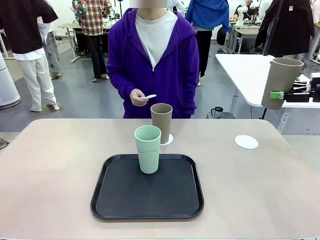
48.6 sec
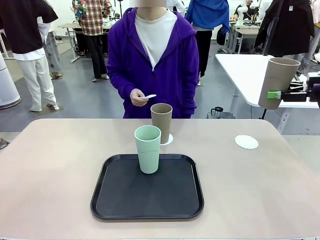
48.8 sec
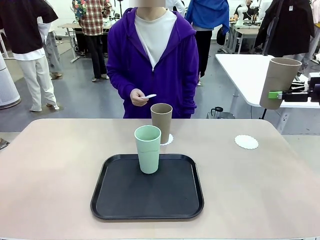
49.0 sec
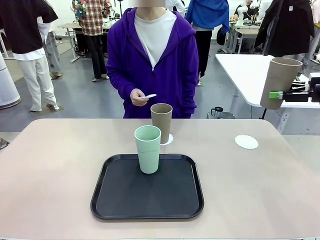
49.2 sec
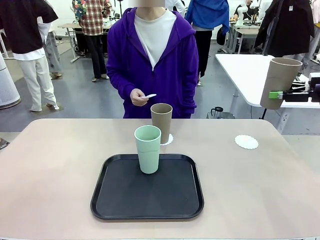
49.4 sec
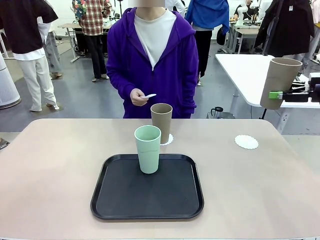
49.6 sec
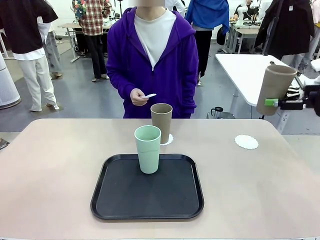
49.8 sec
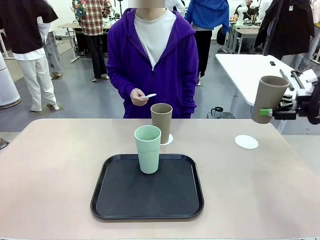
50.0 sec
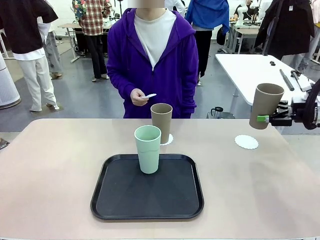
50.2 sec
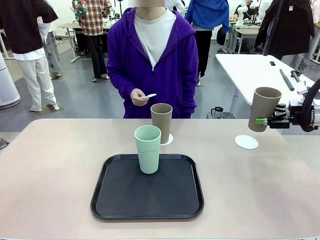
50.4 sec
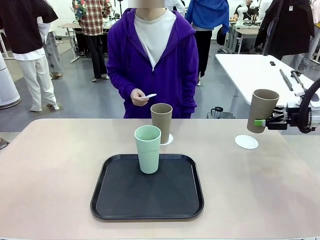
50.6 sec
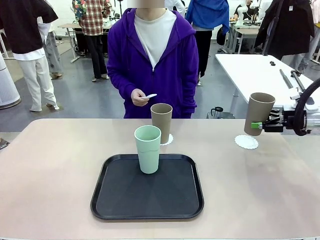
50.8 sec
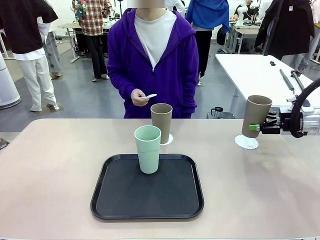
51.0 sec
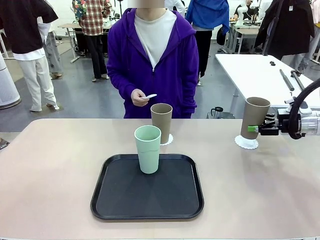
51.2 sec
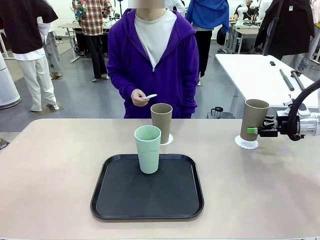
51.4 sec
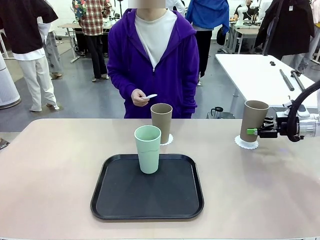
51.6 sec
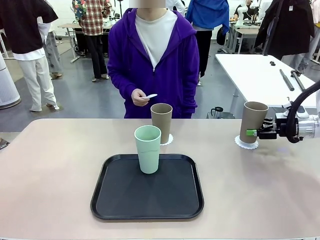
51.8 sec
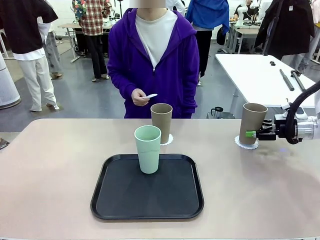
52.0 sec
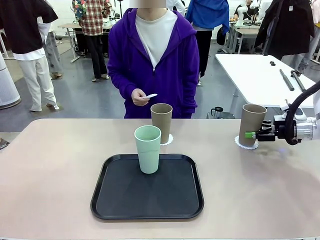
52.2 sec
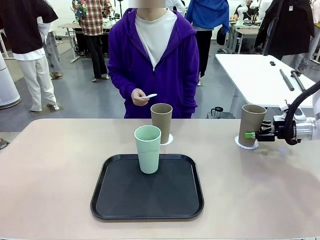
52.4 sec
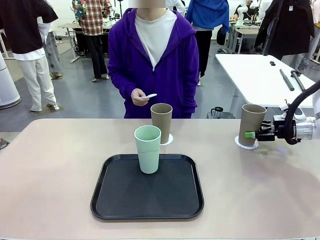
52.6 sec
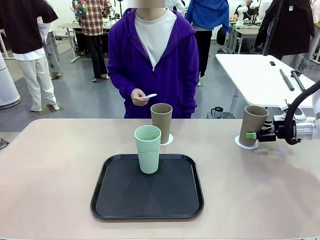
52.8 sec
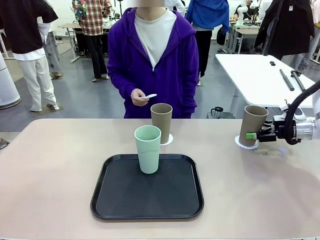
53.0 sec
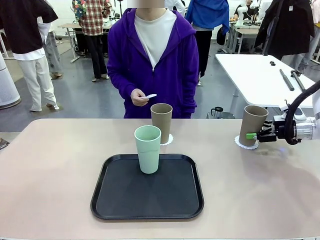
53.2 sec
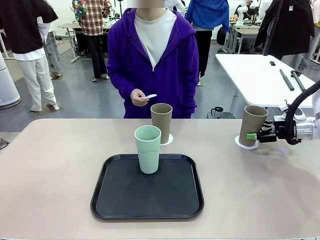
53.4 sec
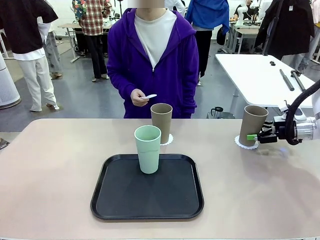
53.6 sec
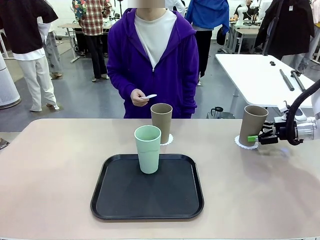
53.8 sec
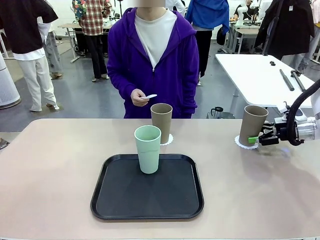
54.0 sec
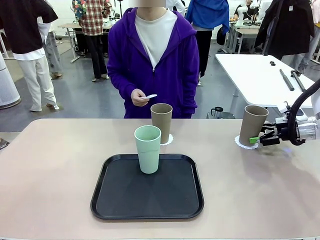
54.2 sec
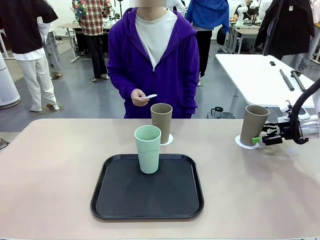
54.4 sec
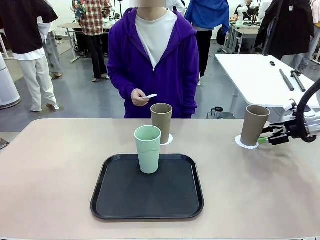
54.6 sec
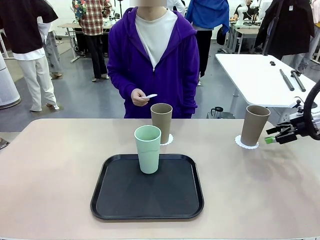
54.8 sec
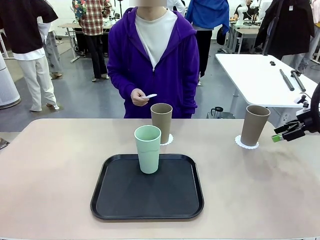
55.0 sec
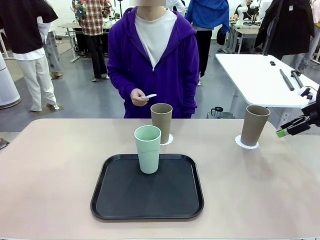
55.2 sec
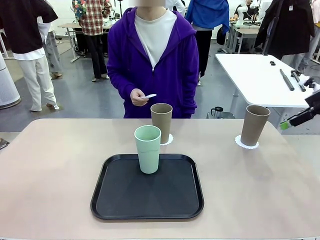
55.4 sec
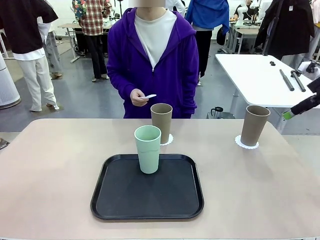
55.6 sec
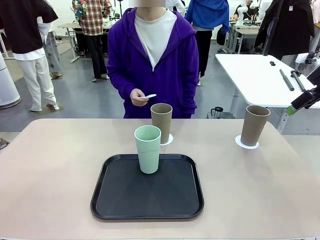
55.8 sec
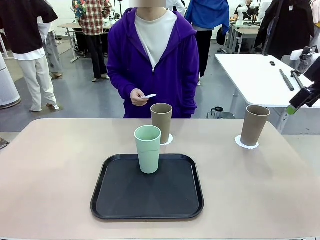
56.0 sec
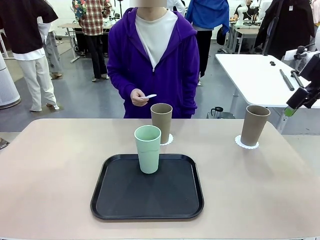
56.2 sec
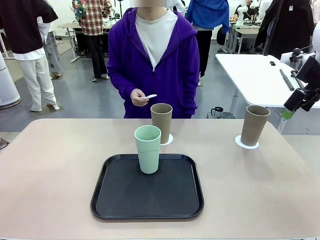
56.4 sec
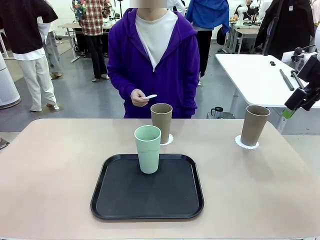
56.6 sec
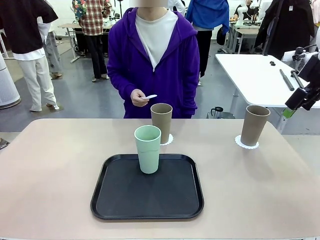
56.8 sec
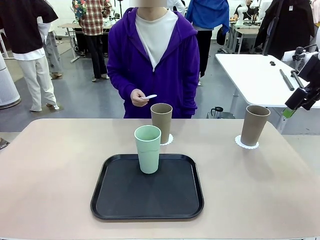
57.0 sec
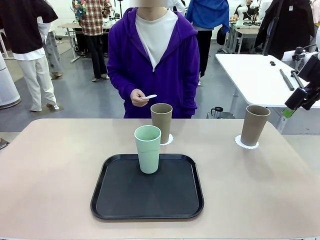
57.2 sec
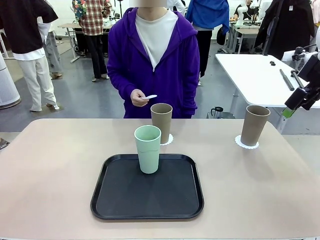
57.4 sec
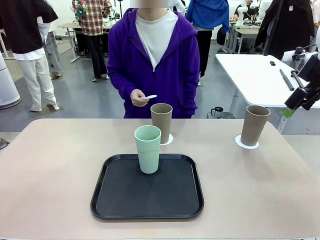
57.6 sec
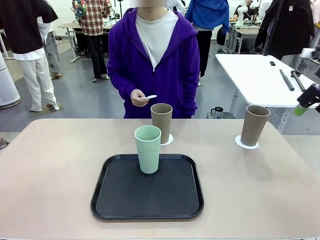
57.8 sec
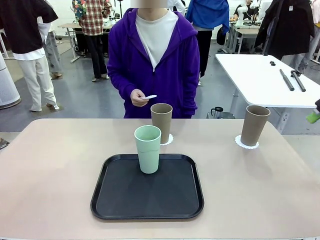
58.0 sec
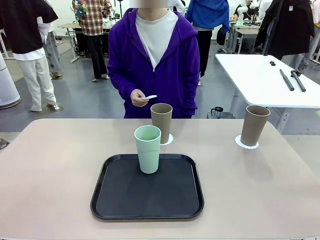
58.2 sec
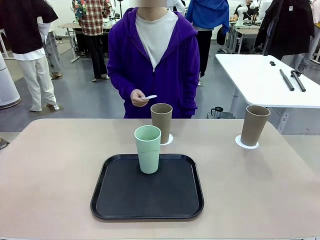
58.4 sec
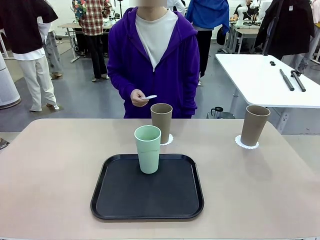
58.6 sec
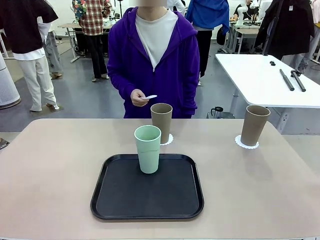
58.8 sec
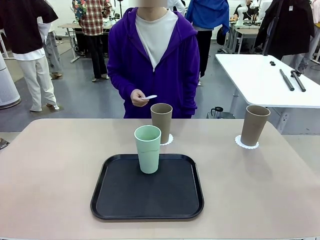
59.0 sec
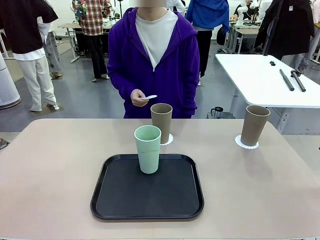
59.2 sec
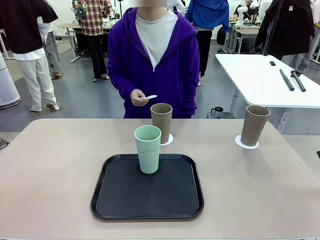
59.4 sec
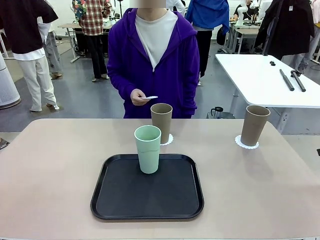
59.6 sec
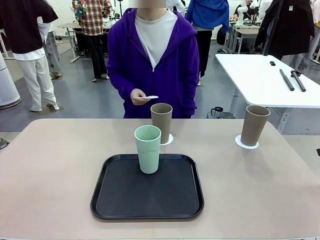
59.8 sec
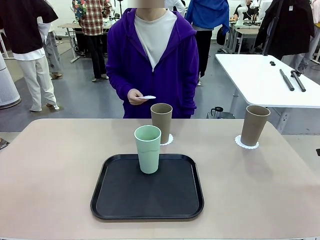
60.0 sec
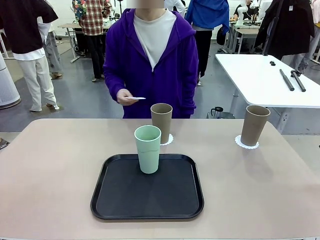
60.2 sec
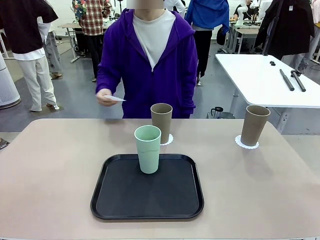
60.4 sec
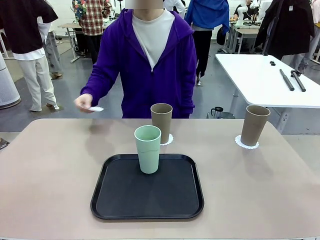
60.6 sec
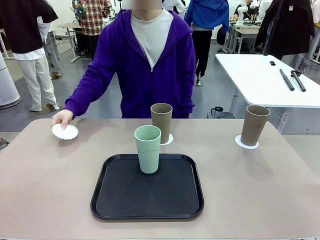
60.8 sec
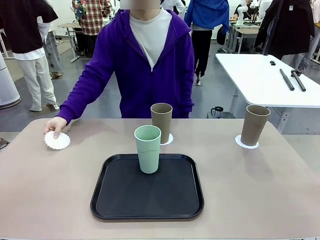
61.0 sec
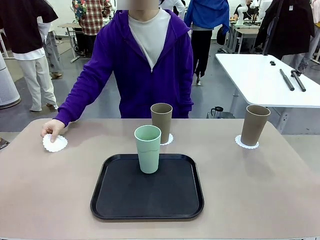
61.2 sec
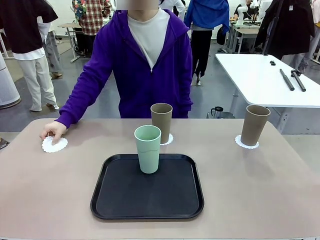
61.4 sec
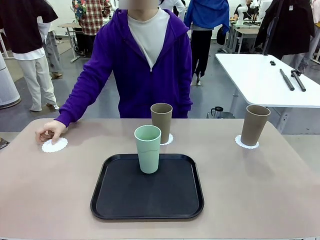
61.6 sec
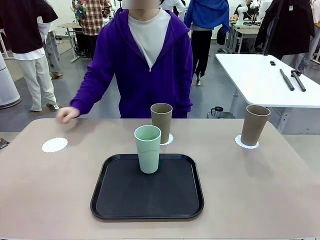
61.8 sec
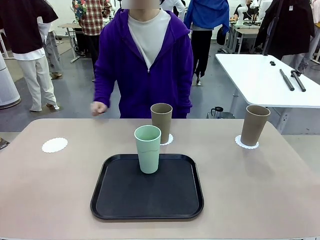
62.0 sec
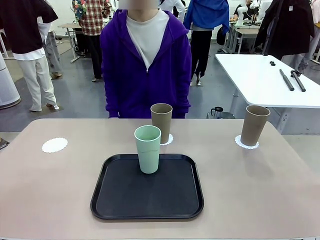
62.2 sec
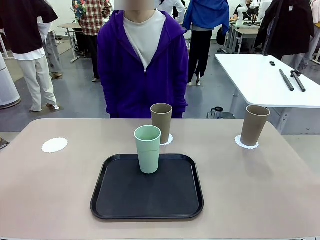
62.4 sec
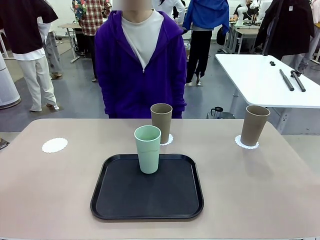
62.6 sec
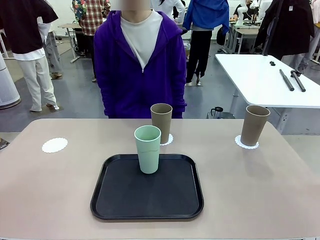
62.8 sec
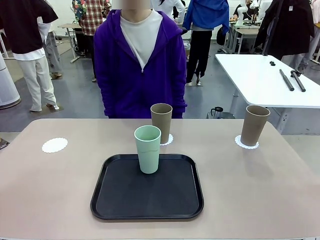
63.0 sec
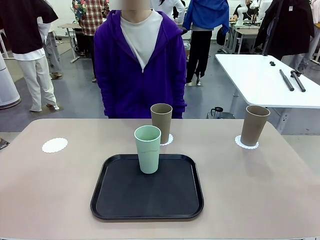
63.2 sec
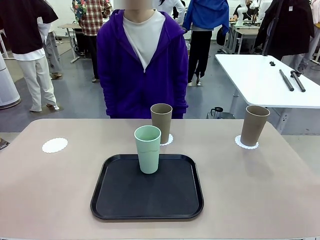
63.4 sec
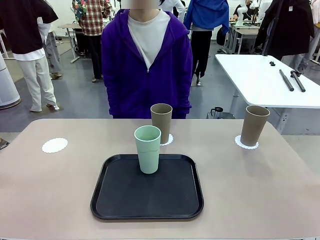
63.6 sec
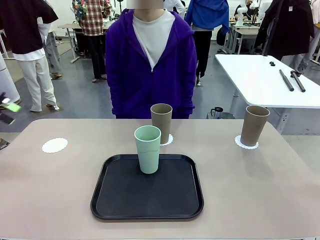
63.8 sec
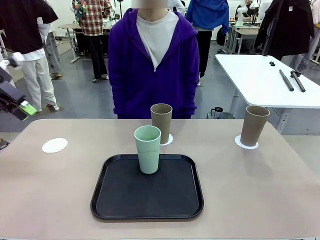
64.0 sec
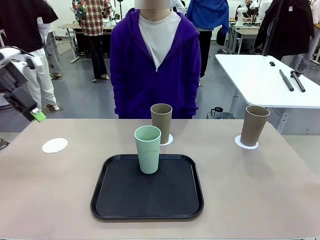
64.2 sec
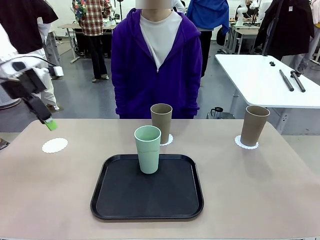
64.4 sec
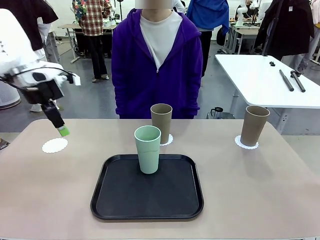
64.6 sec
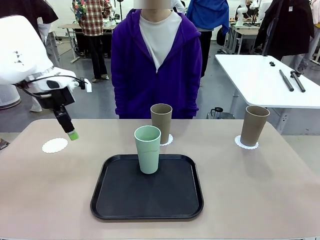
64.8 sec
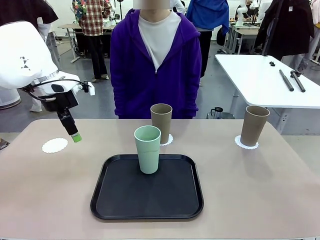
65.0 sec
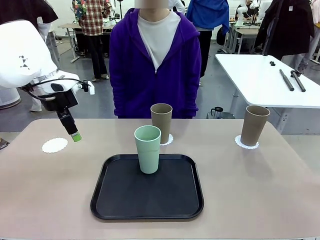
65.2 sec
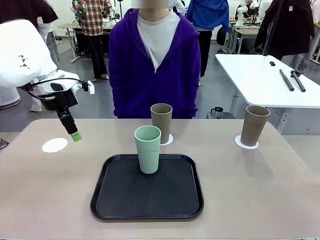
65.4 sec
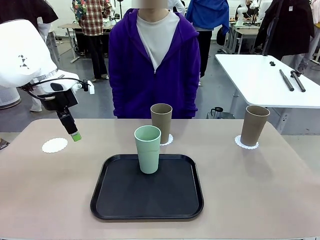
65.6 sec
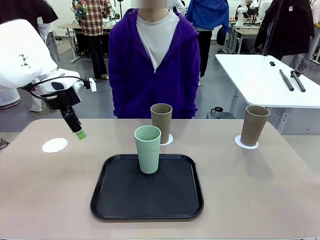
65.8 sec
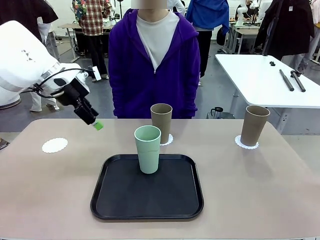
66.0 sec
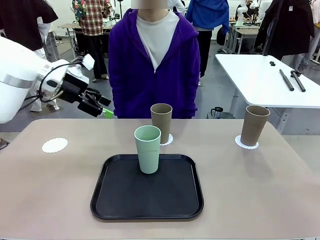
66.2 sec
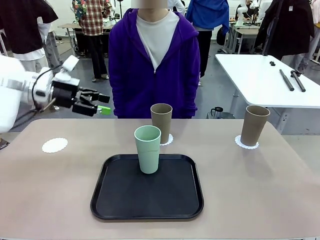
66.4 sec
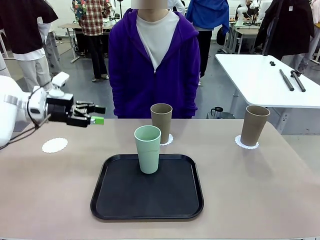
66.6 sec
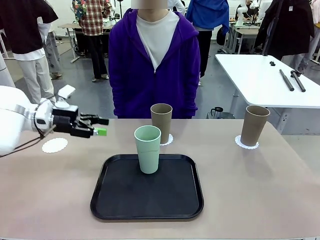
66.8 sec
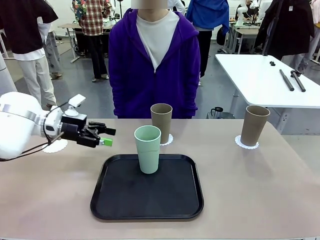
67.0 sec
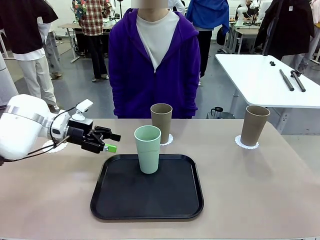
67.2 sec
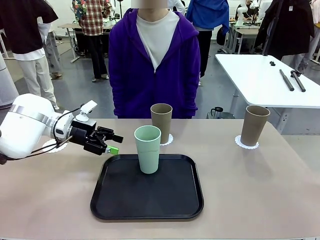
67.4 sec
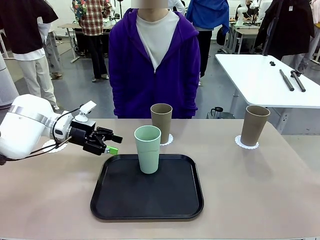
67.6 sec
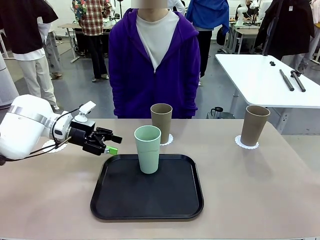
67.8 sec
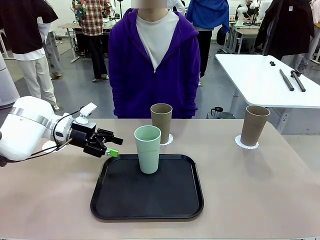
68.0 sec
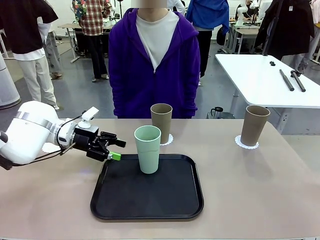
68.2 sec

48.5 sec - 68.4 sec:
Task: Place coasters on the table and set cups on them.
Robot: Take one Reusable plastic cup from the Flat Tray and place it on a coaster set by the human.
